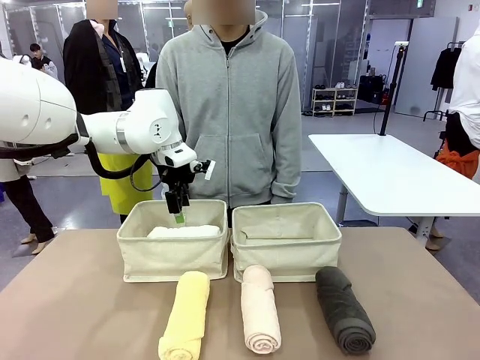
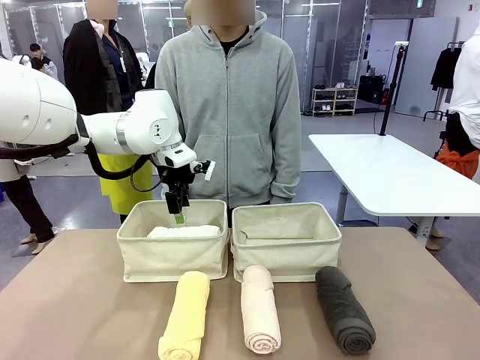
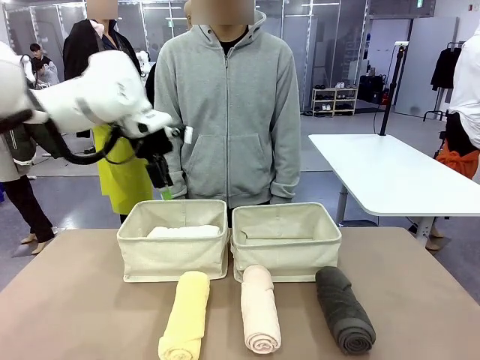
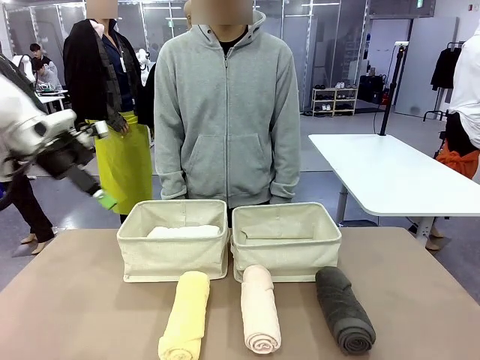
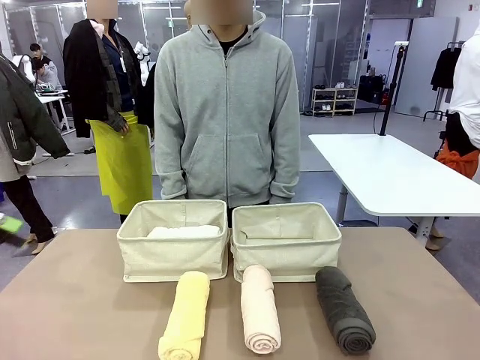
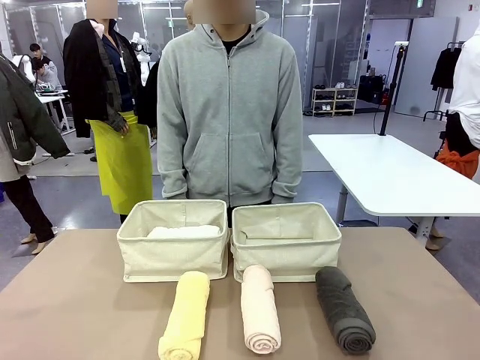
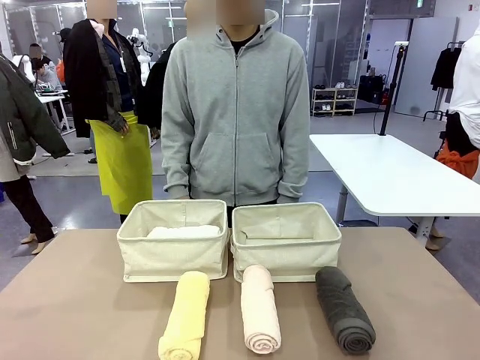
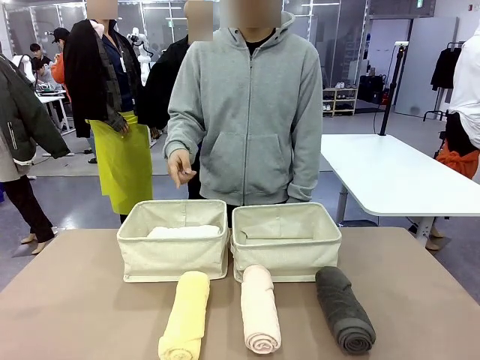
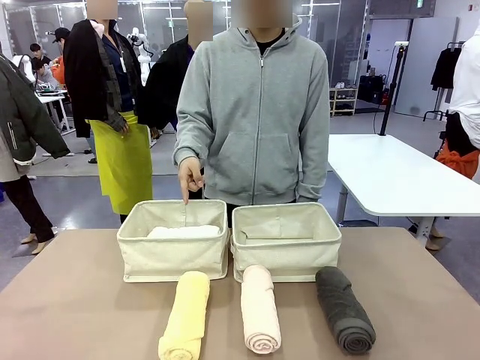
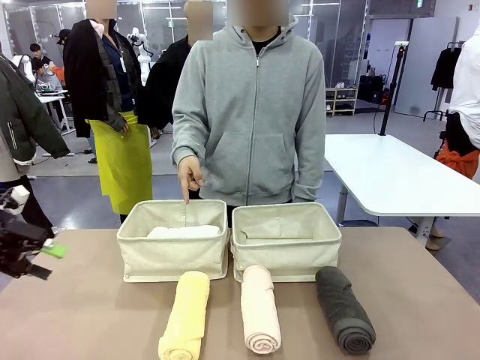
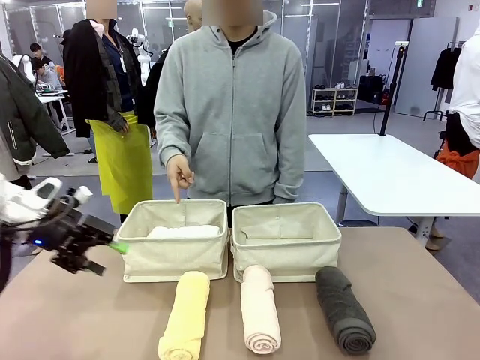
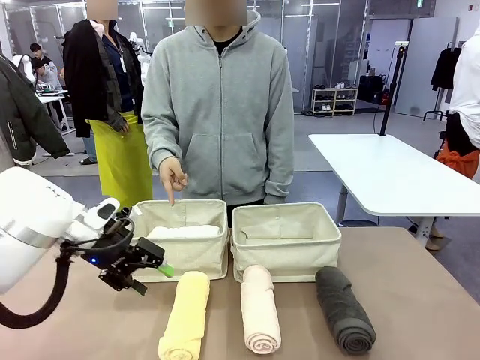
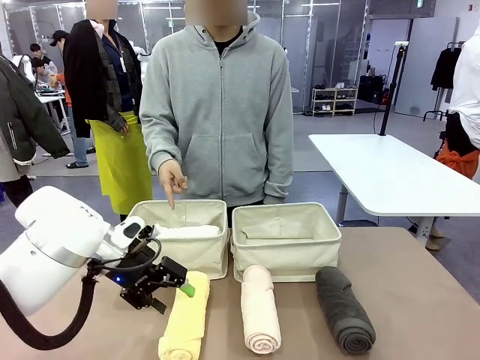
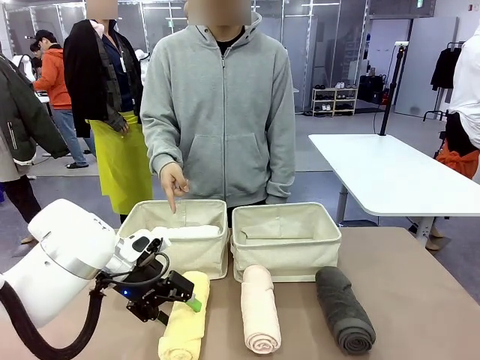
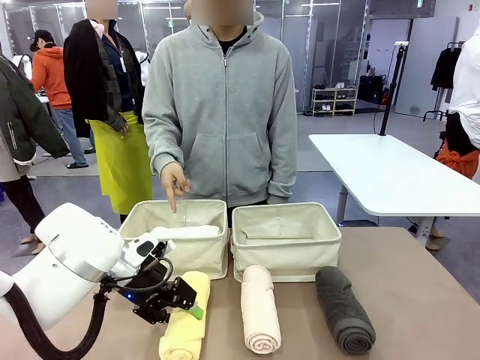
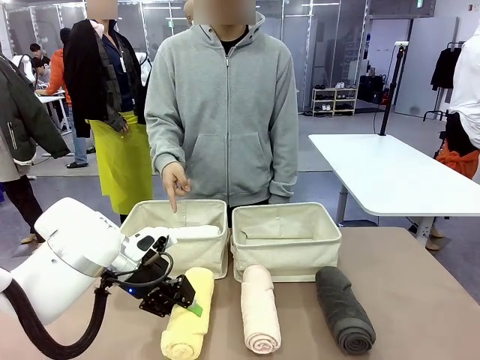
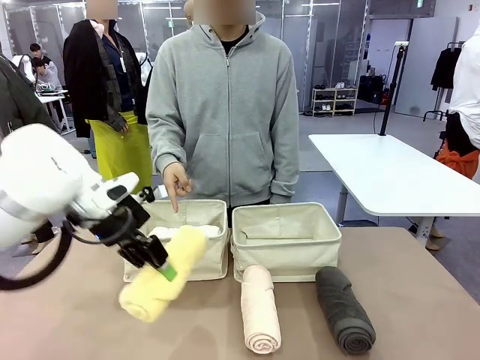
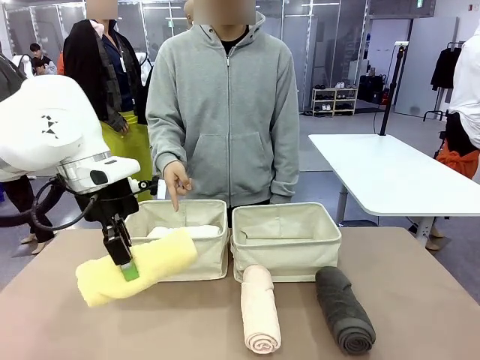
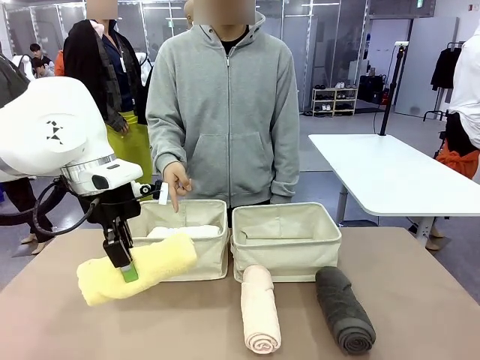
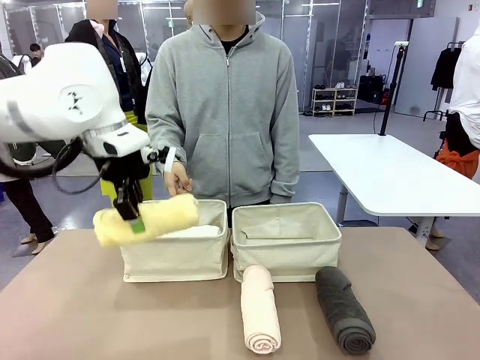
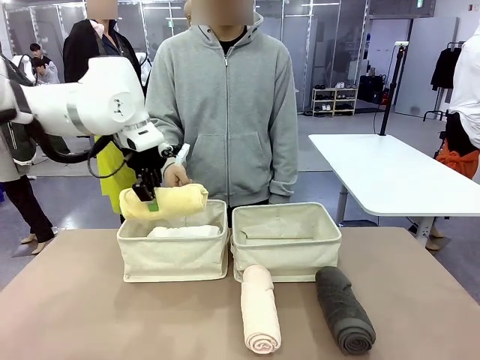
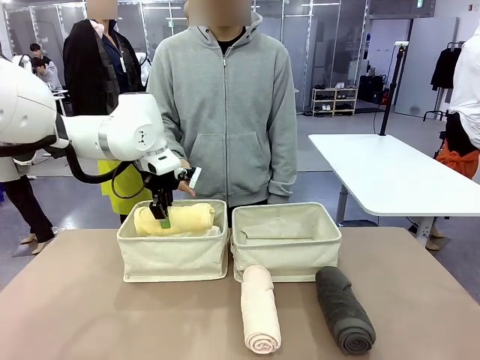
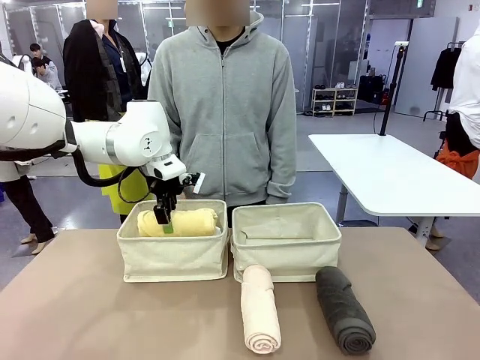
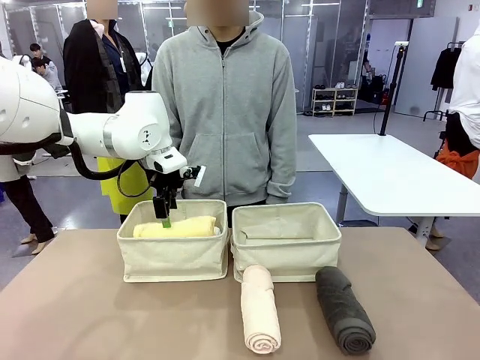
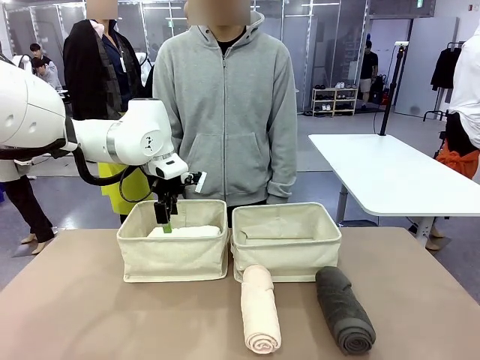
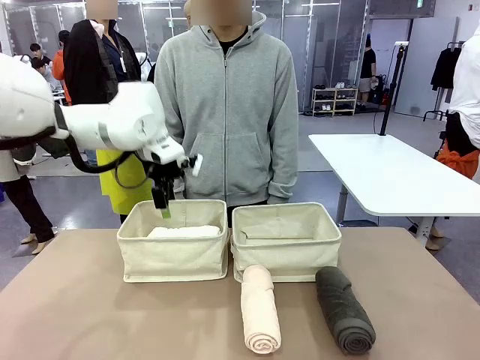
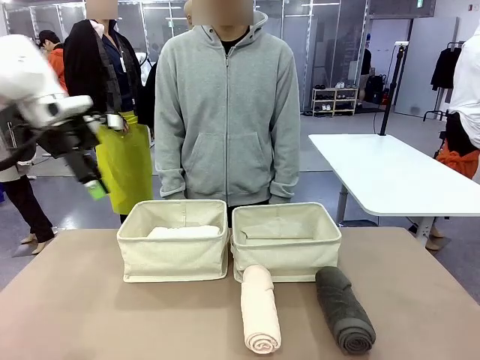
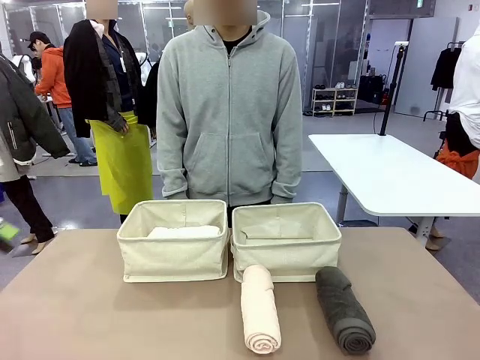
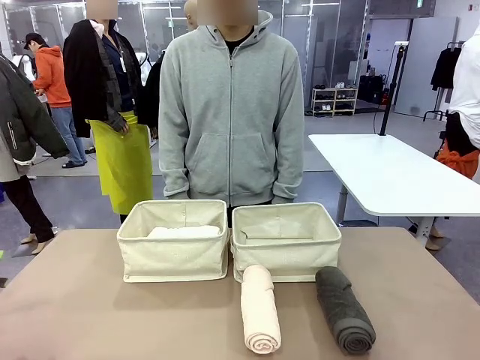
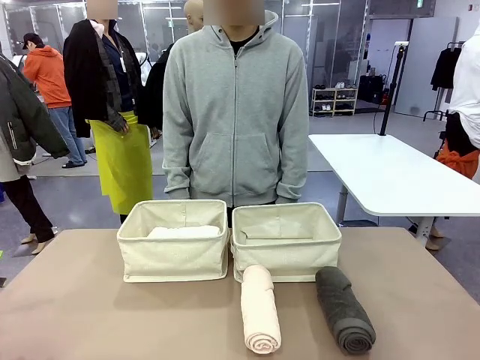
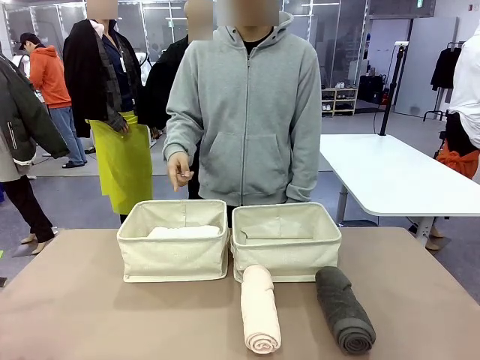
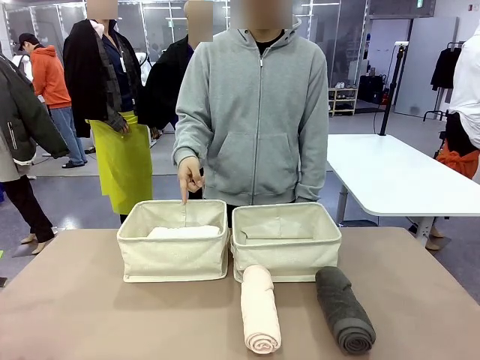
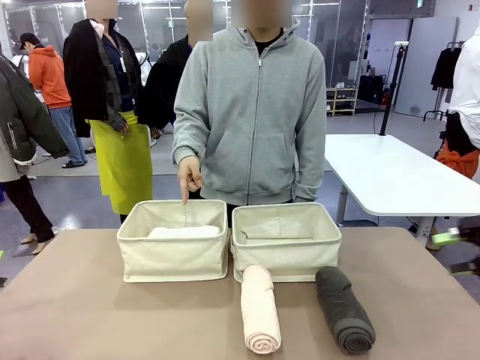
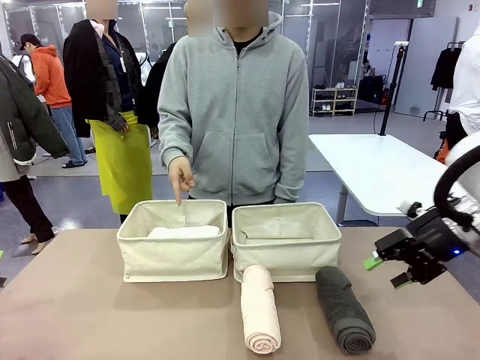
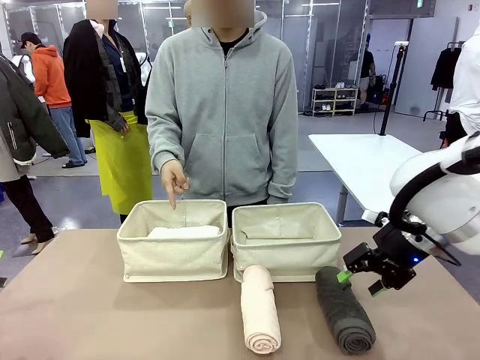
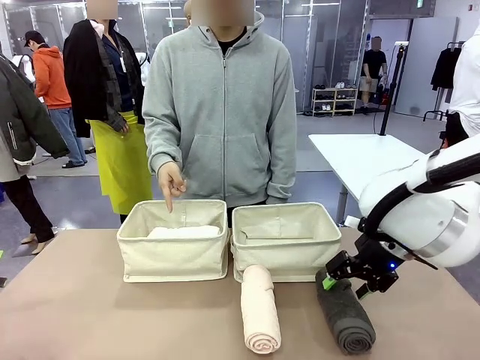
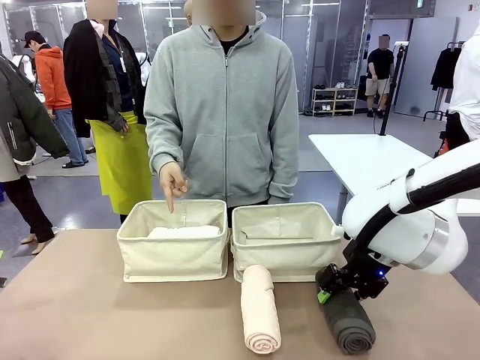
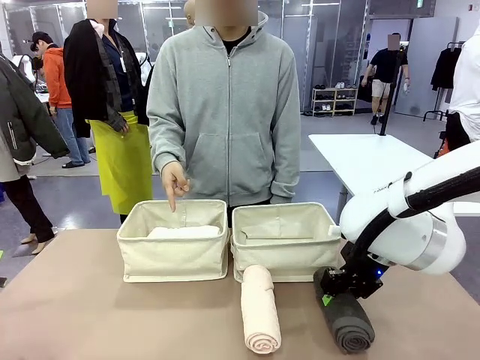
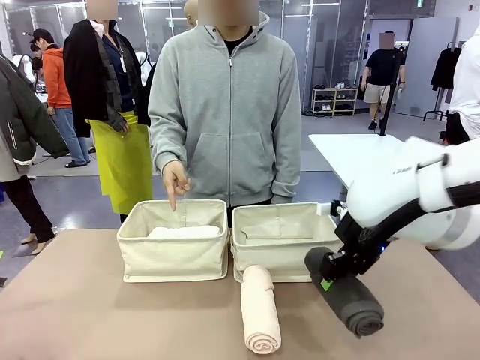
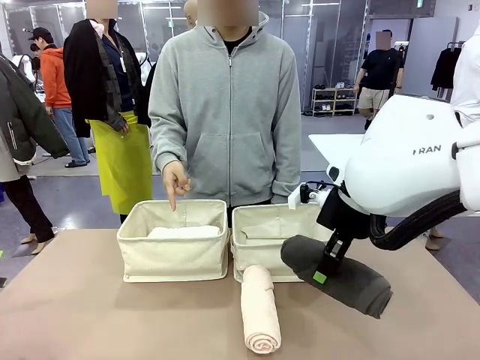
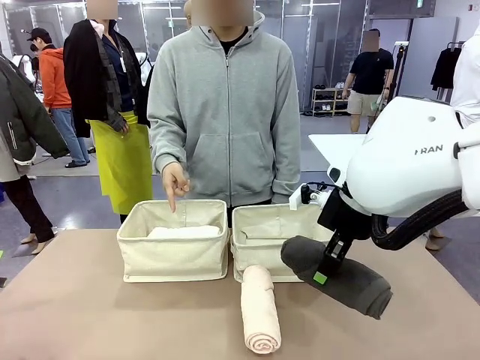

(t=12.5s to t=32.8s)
Task: Divide the towels into two baskets.
Robot: Pick up one hotel-folded towel from the bottom of the table and place it in the Fabric basket indicated by the person.
